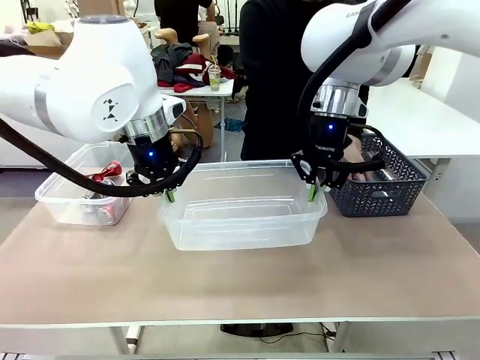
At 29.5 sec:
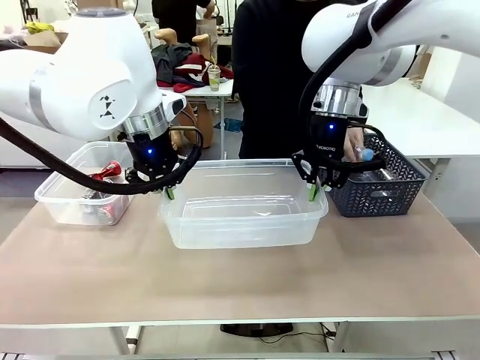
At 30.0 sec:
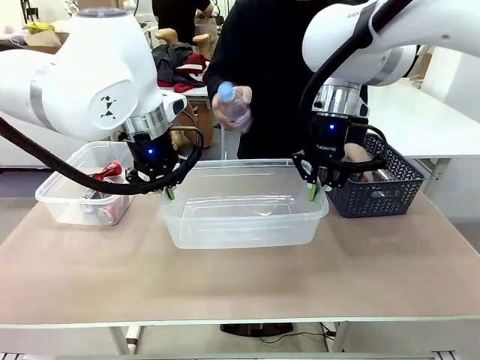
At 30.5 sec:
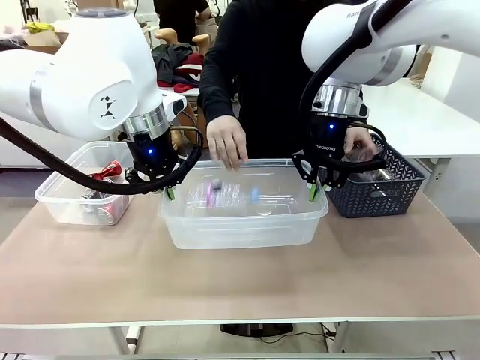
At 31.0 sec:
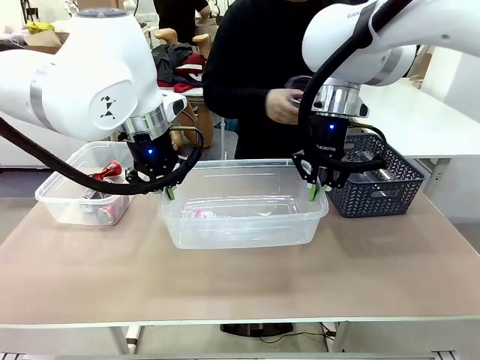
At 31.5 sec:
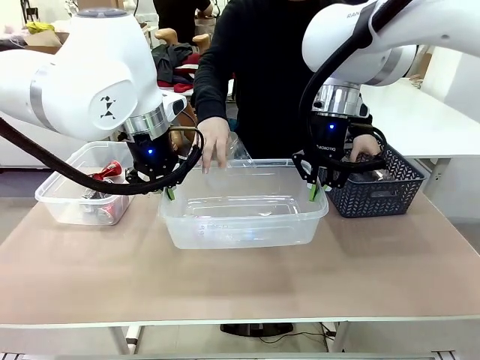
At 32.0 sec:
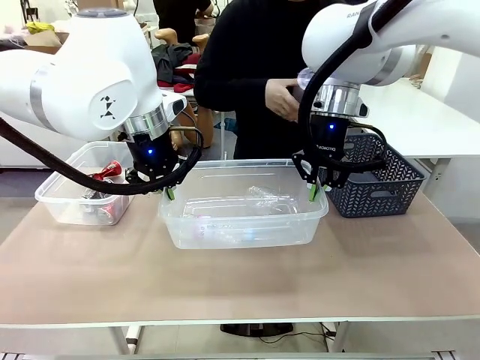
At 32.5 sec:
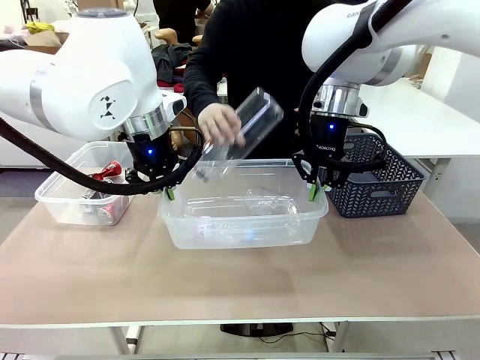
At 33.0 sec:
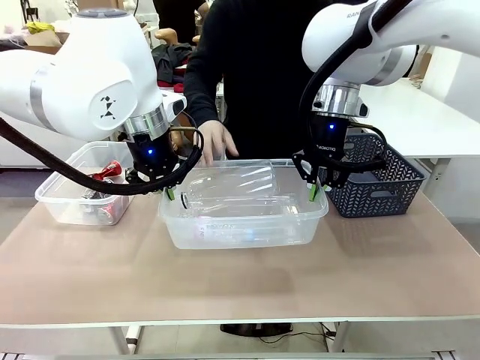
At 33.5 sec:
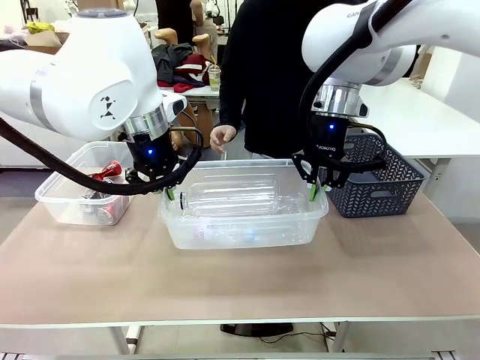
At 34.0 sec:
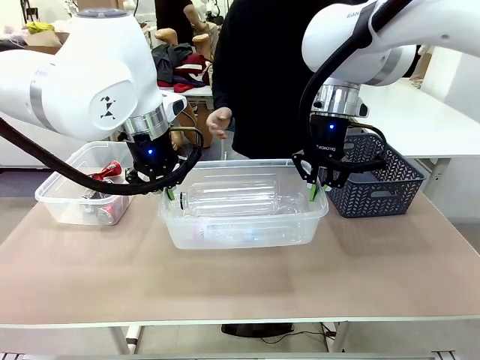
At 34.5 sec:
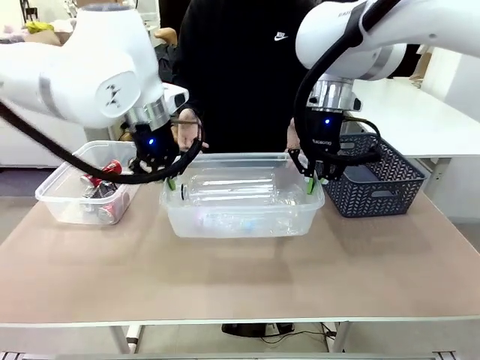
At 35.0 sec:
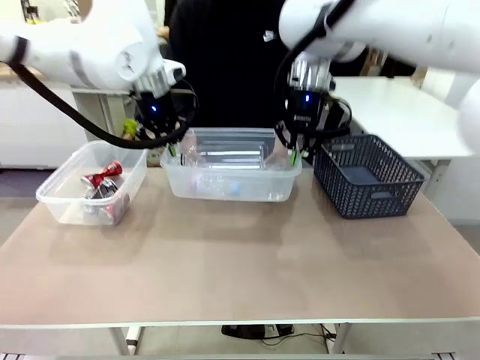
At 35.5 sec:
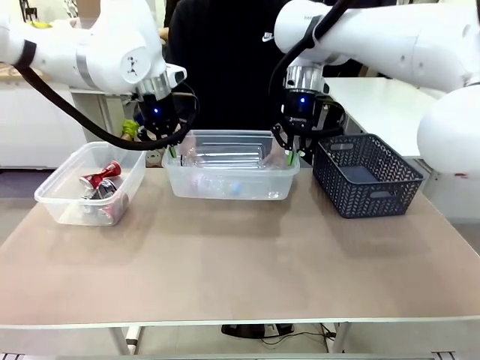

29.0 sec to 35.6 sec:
Robot: Offer the picked Organizing box to the human.

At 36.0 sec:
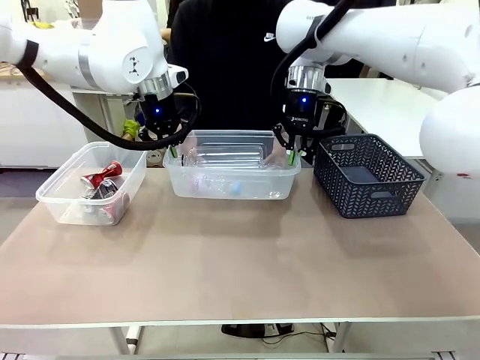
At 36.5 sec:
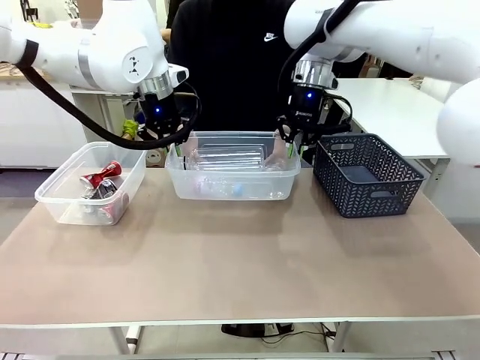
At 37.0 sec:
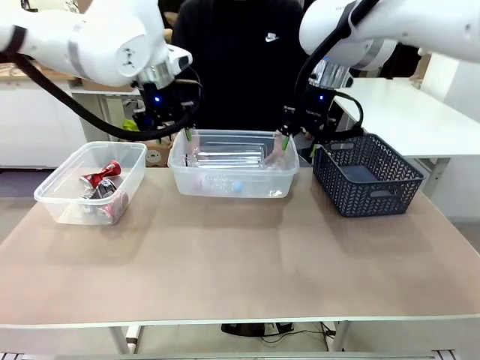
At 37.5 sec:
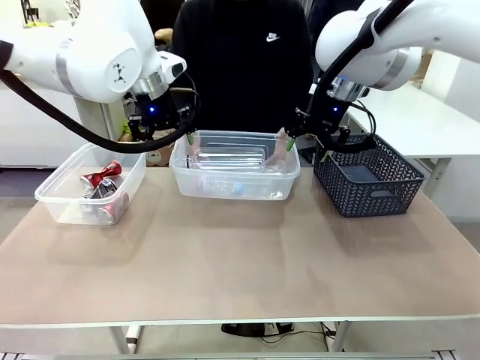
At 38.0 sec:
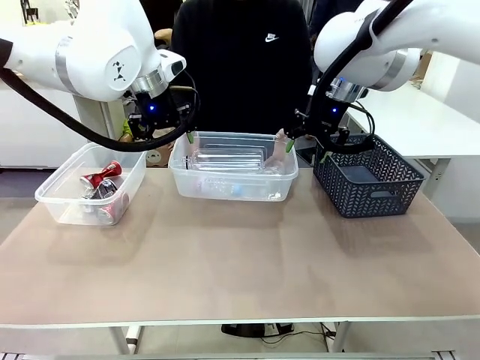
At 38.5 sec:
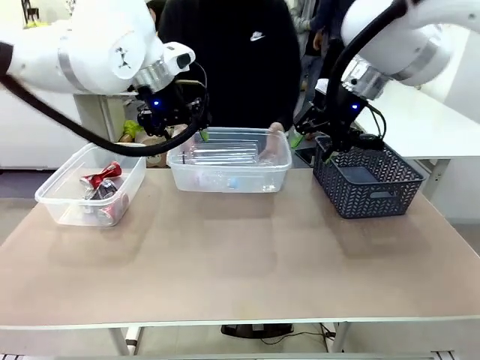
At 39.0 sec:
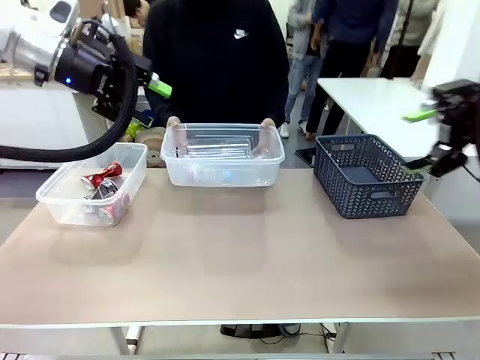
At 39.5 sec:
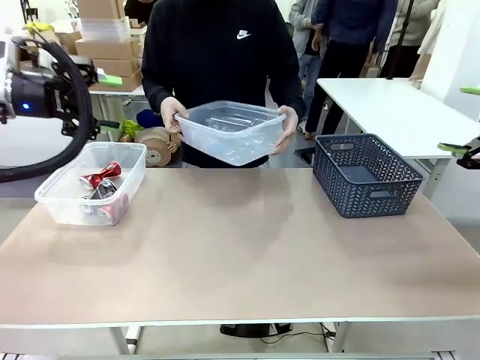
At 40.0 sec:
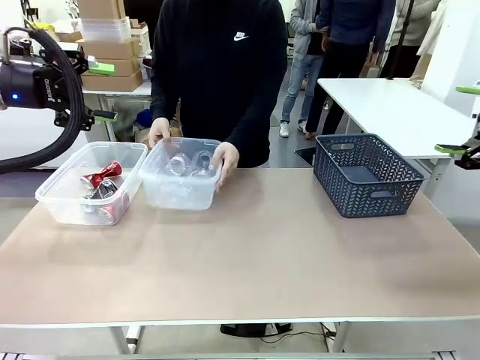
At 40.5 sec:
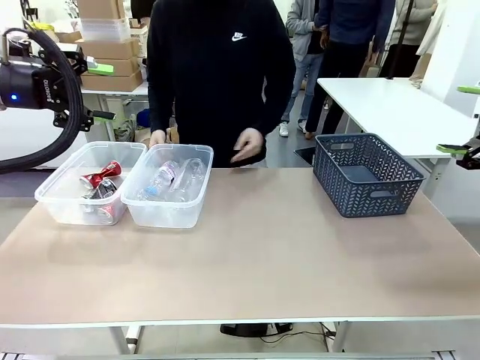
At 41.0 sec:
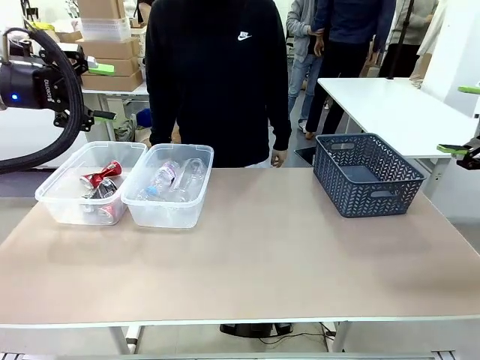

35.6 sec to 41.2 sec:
Robot: Release the Organizing box you were holding.
Person: Pick up the organizing box extended by the robot. Place the organizing box to the left of the sorting box containing the can waste.

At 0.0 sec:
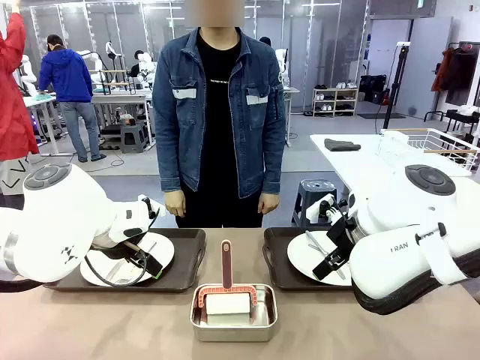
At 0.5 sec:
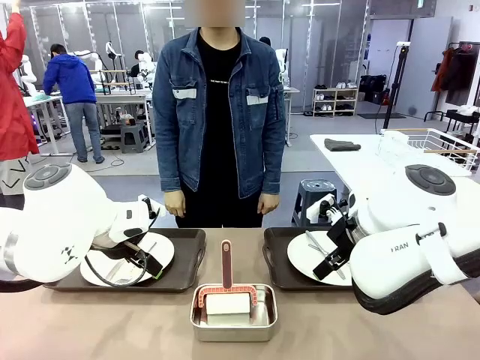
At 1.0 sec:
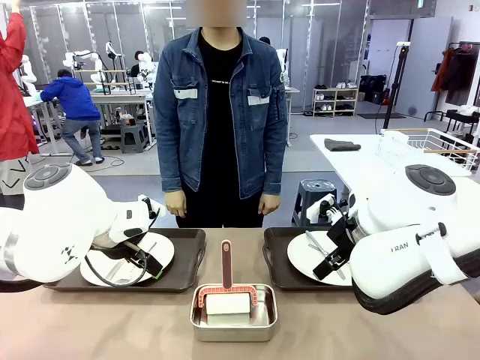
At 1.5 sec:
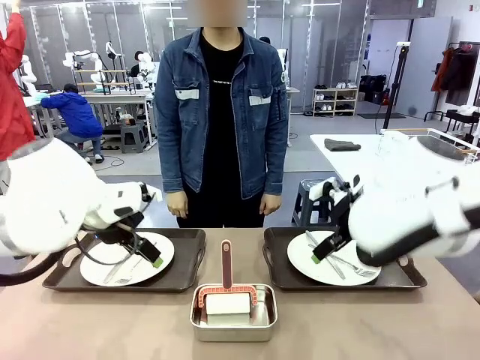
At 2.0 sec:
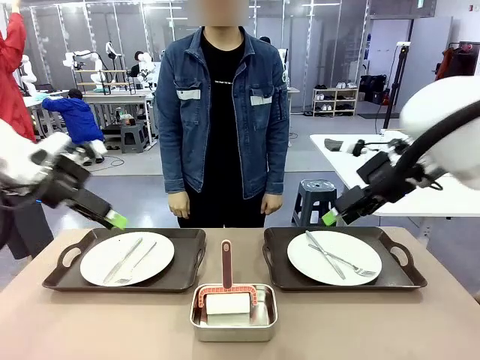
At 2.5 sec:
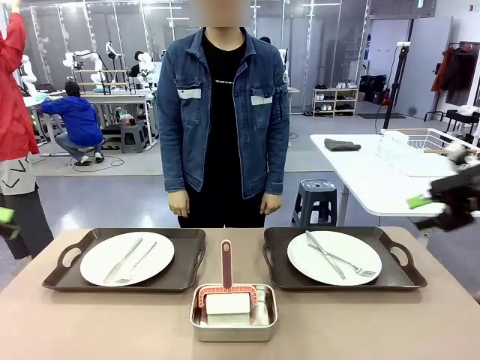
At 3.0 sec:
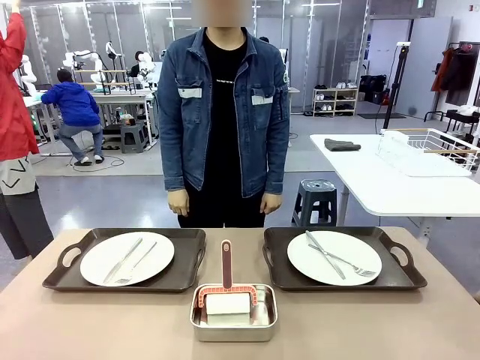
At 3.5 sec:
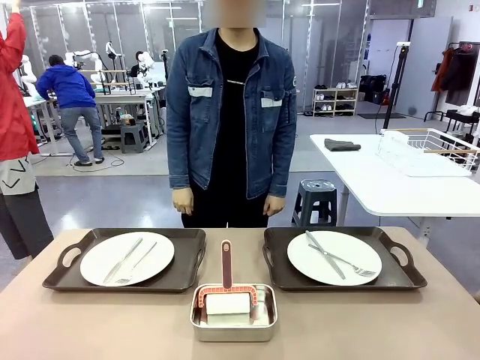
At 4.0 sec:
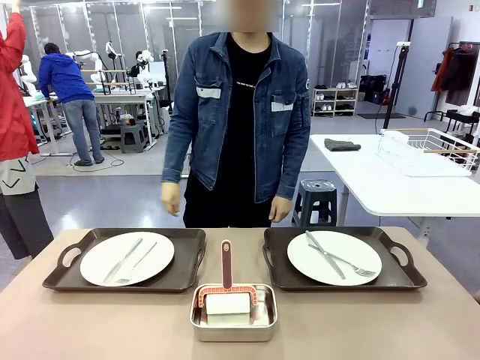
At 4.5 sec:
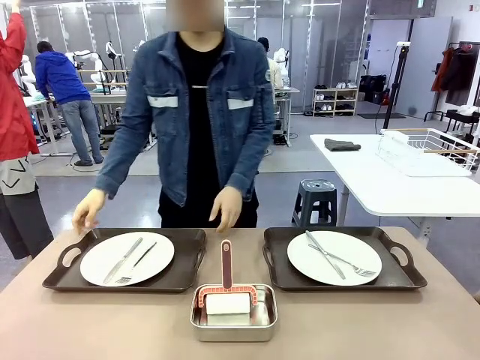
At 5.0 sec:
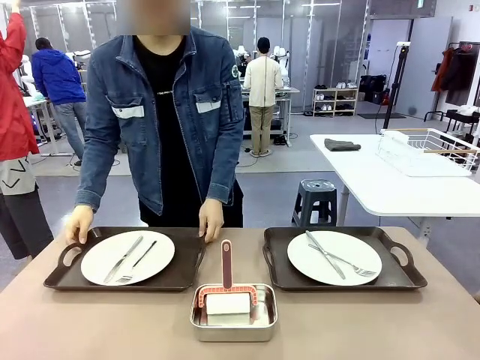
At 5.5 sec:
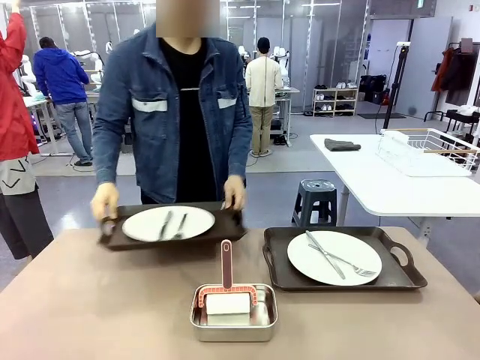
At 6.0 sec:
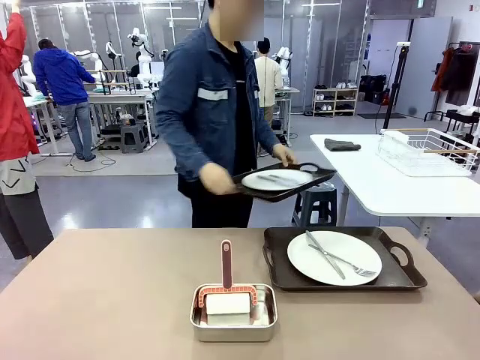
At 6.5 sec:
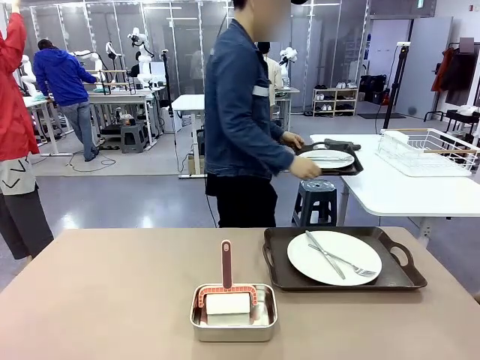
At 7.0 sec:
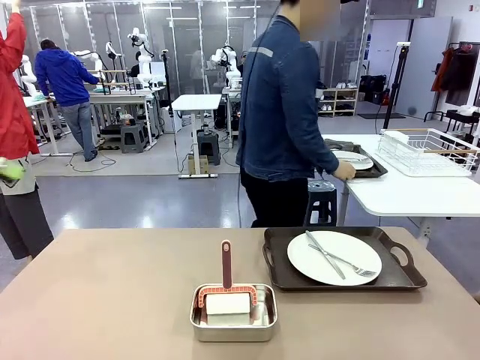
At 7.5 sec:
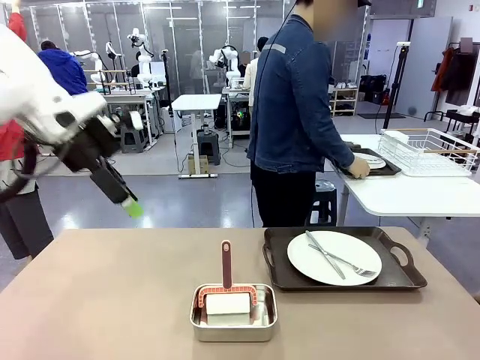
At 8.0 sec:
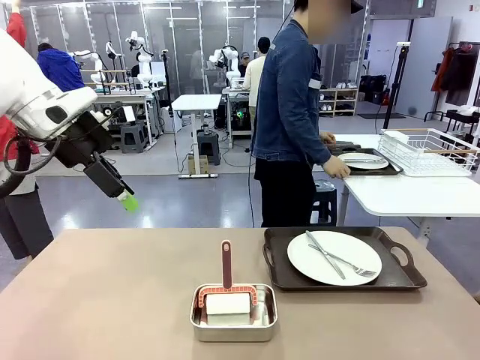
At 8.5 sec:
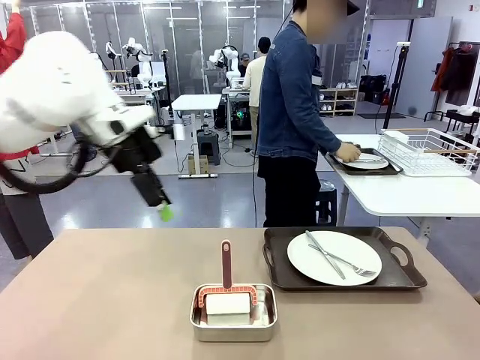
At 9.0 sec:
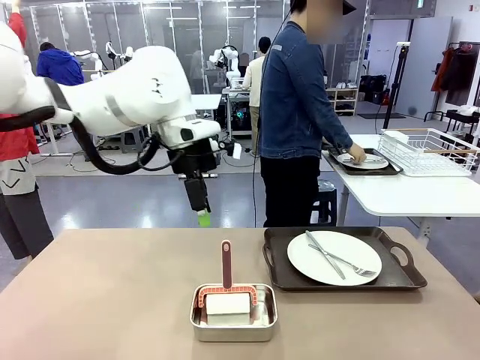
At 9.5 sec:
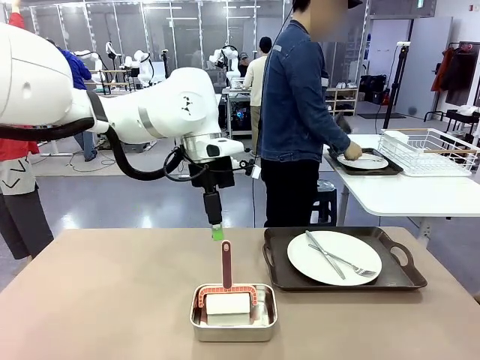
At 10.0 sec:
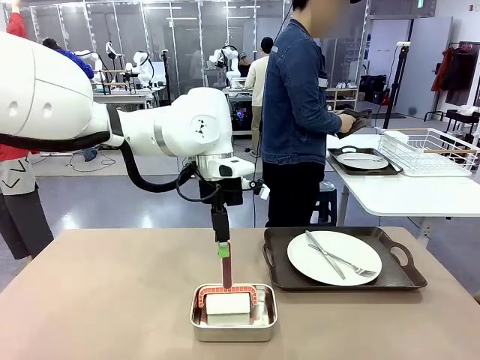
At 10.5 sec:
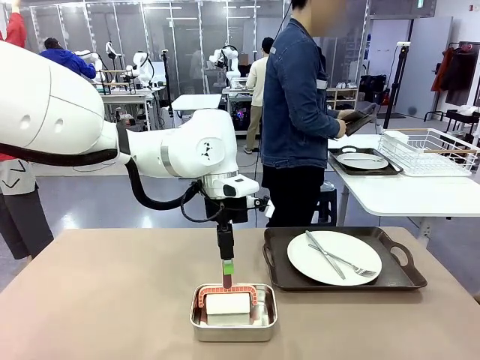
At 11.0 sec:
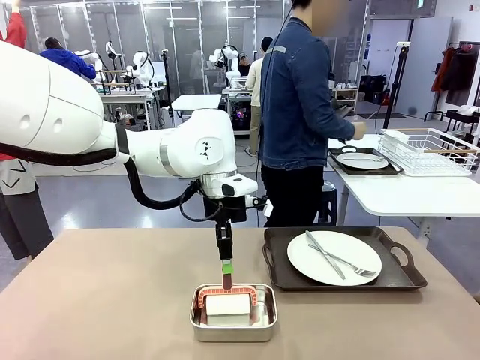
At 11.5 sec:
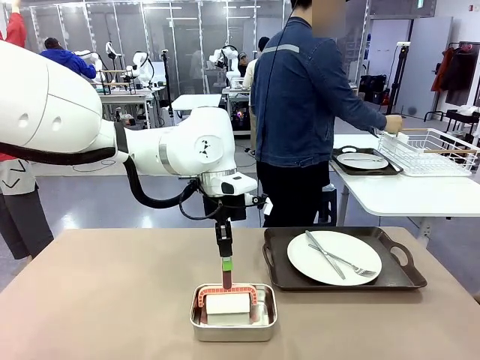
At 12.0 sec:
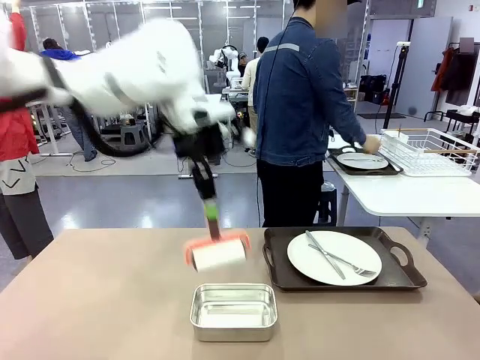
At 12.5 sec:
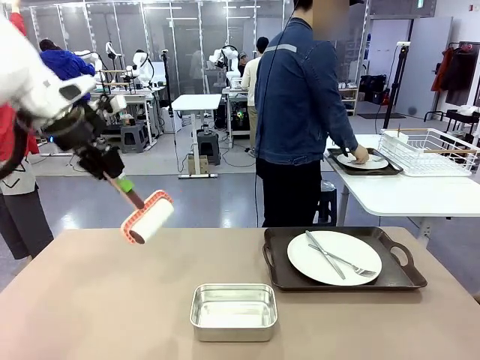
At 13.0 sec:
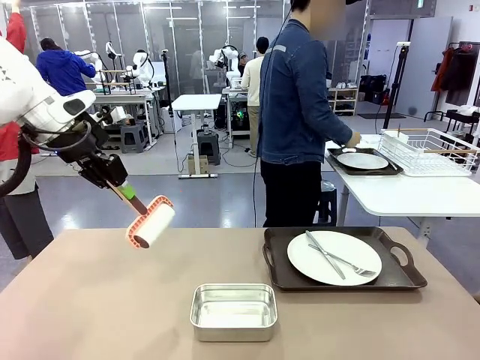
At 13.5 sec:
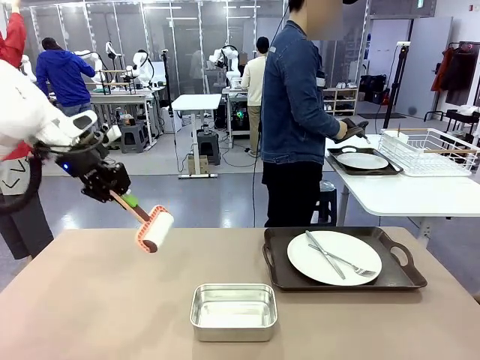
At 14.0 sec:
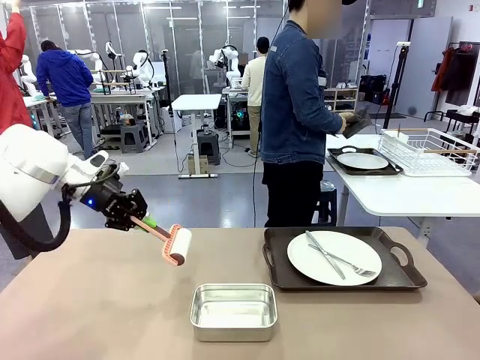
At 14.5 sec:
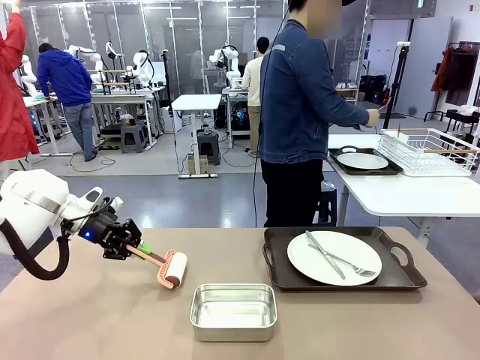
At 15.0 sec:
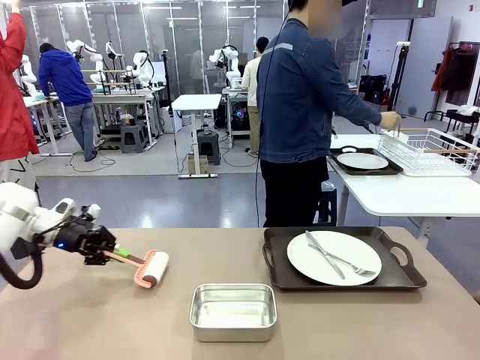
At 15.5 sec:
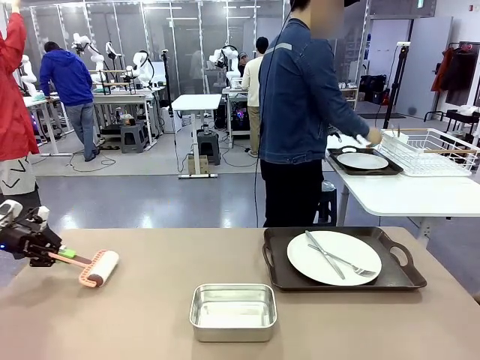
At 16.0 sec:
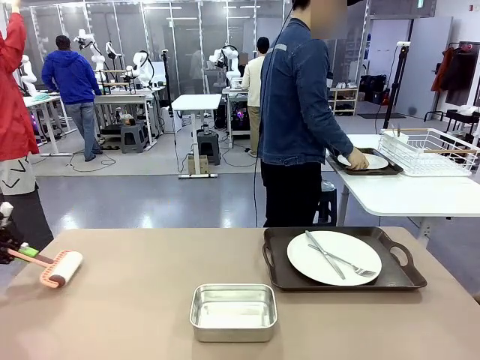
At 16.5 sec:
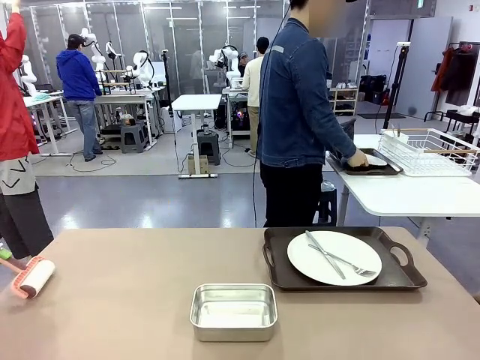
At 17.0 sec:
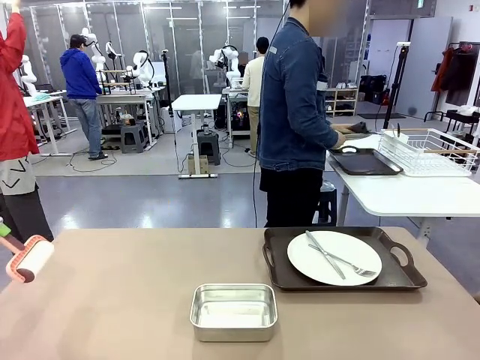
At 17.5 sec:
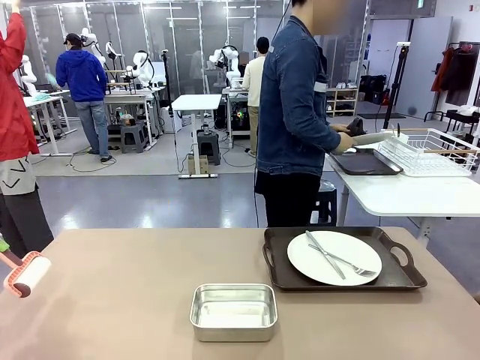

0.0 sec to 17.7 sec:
Robot: When the left (or right) Handle tray is removed, use the left hand (or right hand) to clean the left (or right) side of the table with the Lint Roller.
Person: Pick up the left (or right) Handle tray and place it on the middle of the Human's table. Use the Towel with hook to wipe the Plastic Matte Plate , Fork , and Knife and place into the Dish drying rack.
